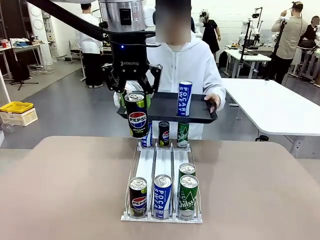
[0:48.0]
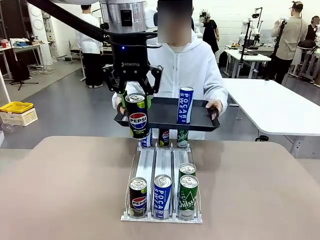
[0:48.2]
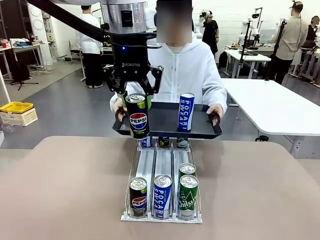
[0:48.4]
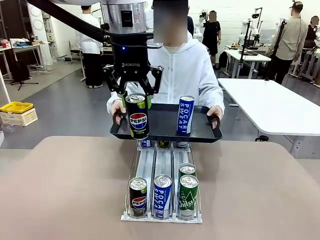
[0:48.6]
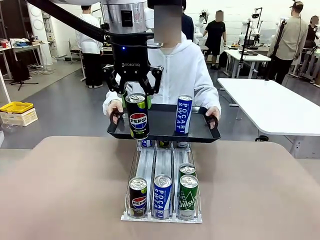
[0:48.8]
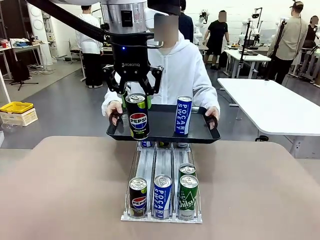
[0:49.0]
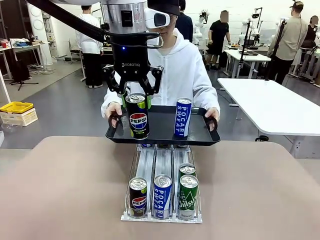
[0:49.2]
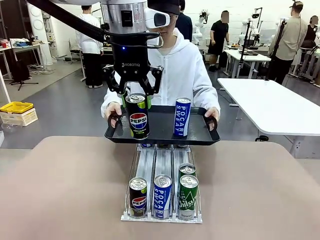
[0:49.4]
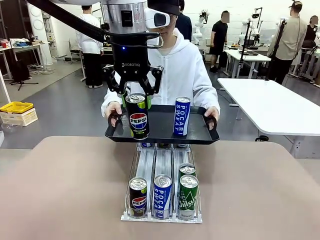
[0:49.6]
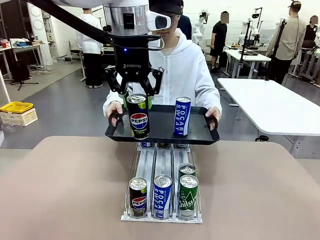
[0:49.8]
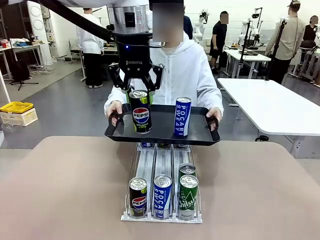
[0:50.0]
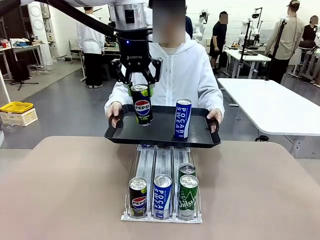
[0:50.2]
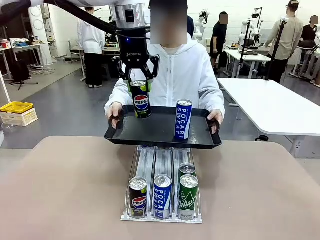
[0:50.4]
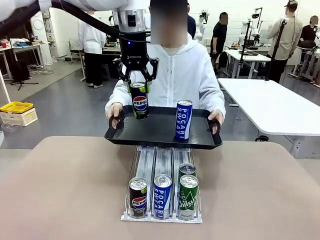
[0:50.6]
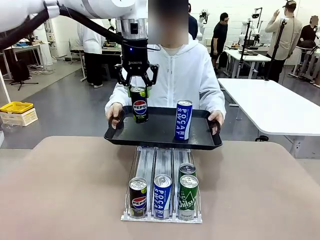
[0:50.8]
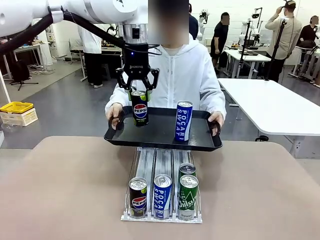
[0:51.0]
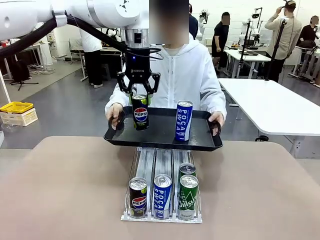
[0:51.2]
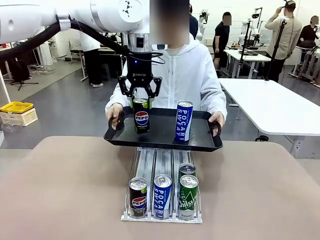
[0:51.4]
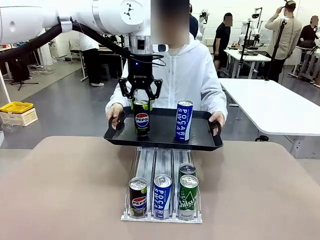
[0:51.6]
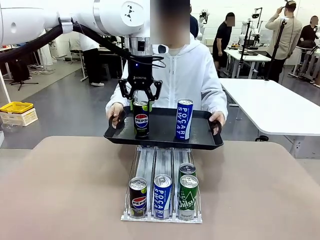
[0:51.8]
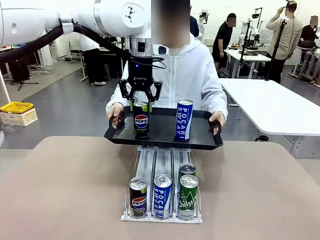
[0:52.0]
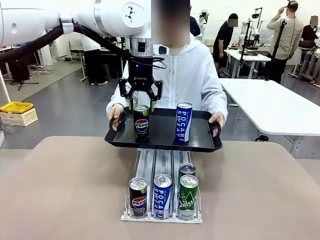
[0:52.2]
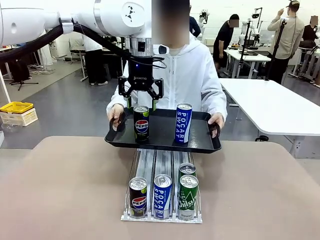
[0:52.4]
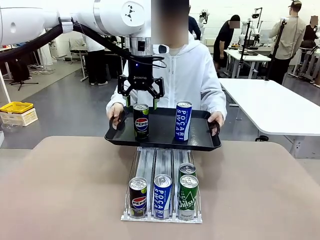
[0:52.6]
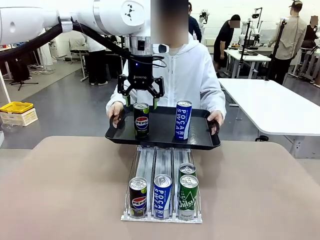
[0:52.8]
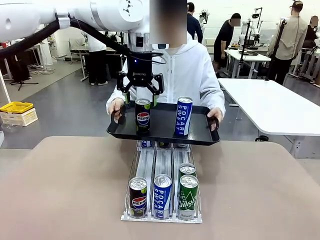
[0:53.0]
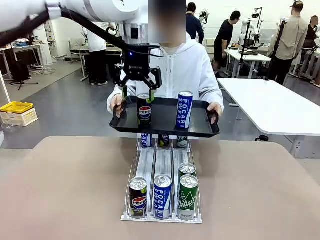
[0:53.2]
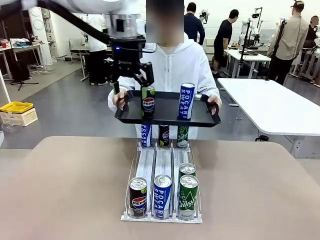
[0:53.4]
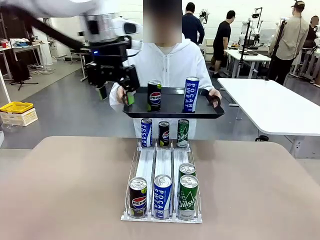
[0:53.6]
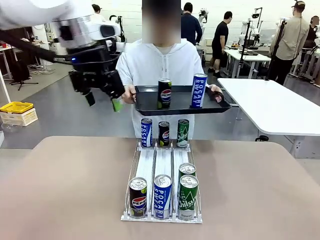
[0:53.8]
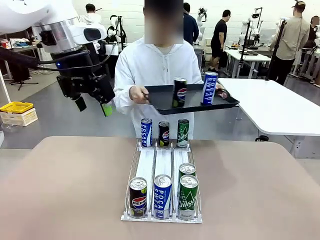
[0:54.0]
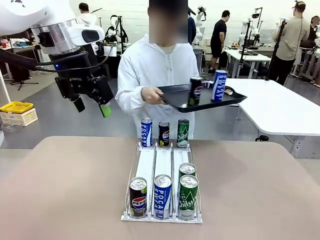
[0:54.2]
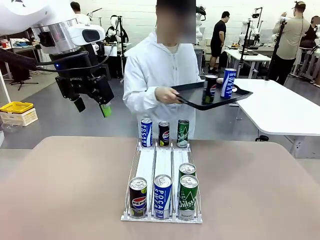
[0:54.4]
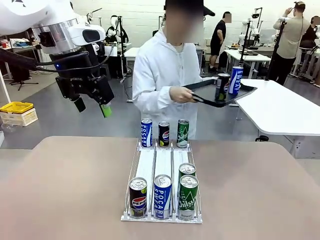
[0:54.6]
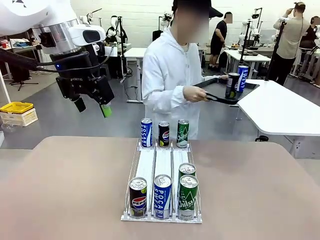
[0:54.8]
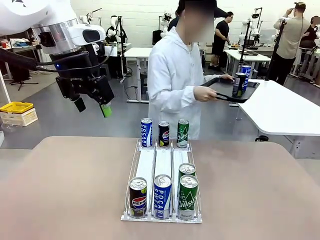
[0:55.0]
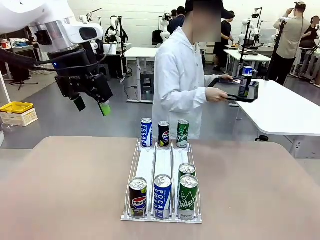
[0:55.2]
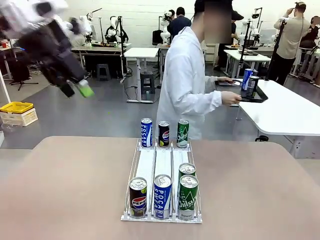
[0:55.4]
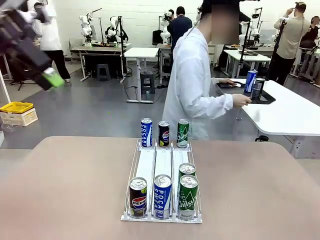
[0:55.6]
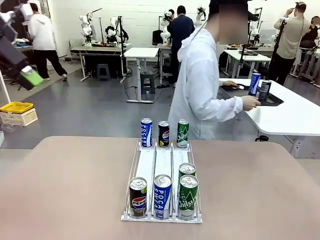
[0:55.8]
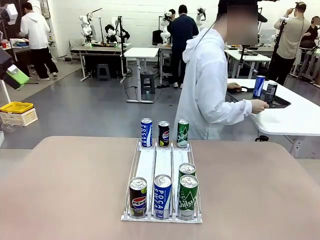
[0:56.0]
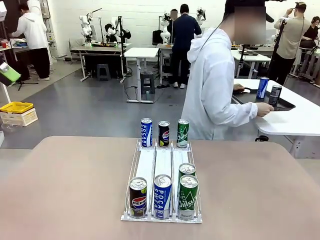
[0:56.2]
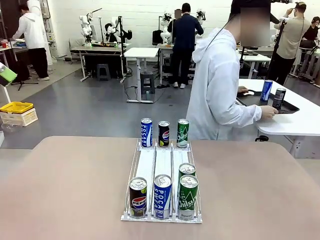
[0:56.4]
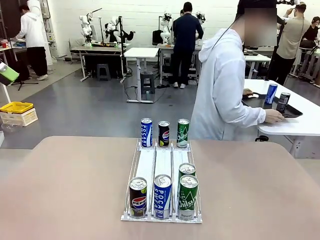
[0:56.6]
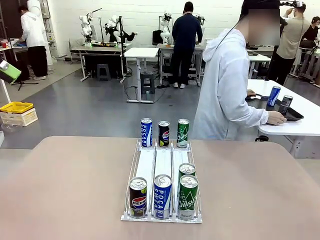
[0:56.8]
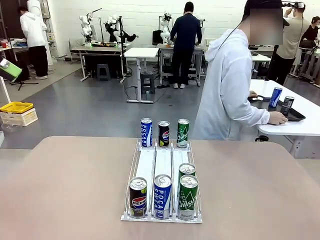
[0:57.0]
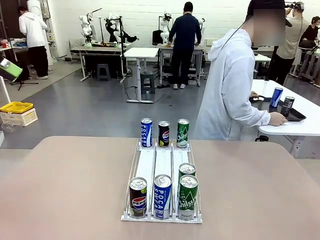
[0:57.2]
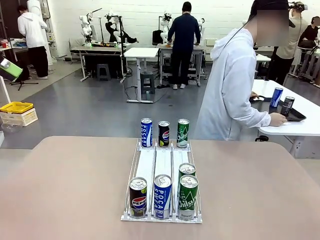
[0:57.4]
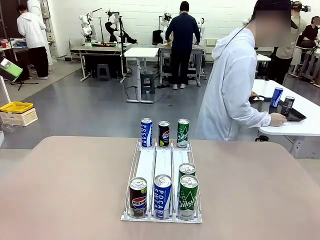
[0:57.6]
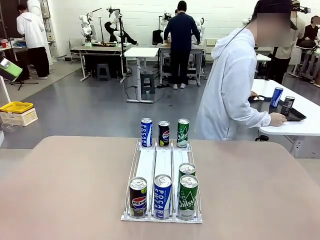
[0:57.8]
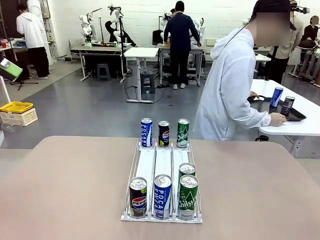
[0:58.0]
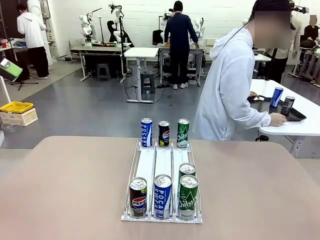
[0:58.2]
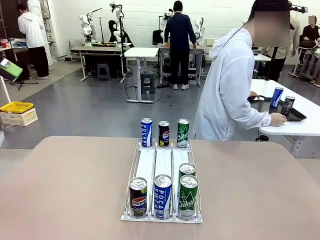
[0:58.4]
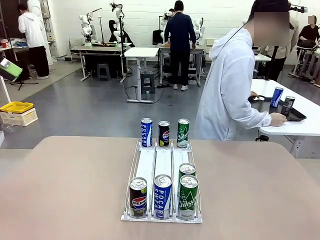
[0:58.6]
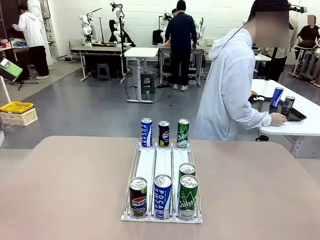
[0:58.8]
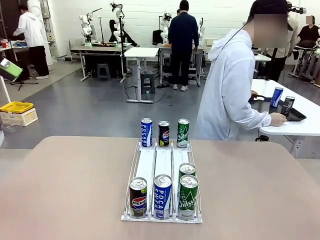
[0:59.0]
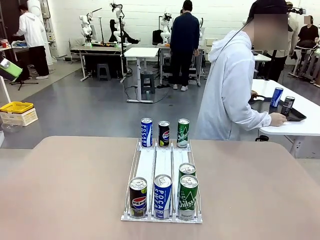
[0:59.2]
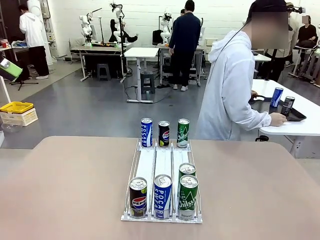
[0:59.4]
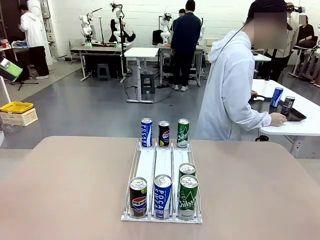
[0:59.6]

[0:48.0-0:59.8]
Task: Retrieve and hand over the desired beverage to the person.
Robot: Place the picked can on the Handle tray extended by the person.
Person: Pull the tray back and place it at the center of the human table.

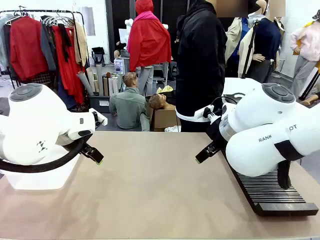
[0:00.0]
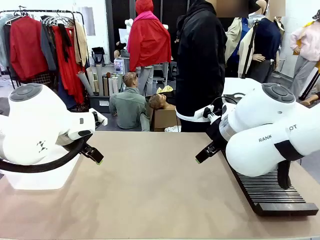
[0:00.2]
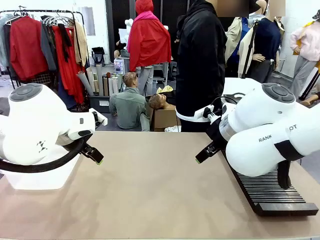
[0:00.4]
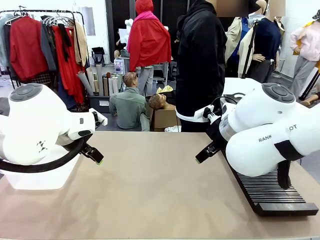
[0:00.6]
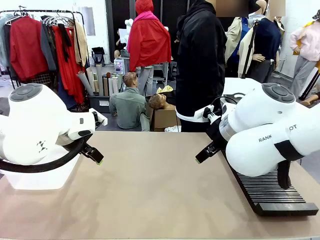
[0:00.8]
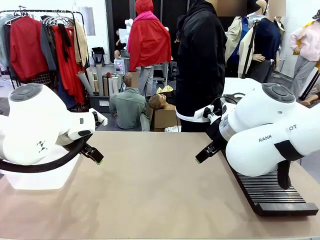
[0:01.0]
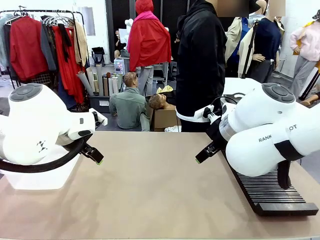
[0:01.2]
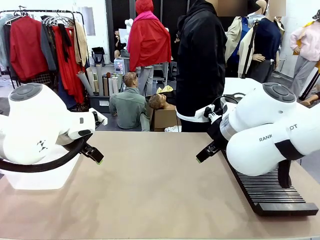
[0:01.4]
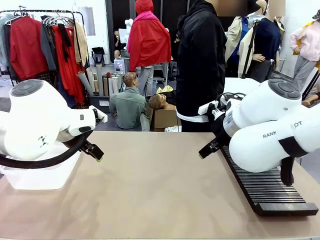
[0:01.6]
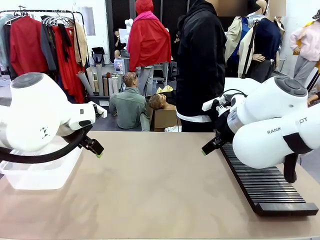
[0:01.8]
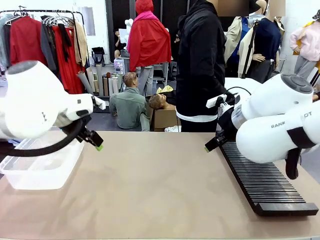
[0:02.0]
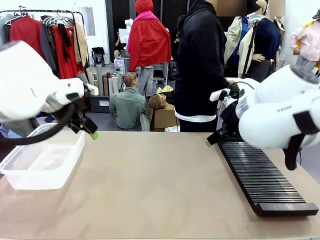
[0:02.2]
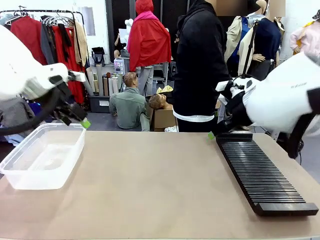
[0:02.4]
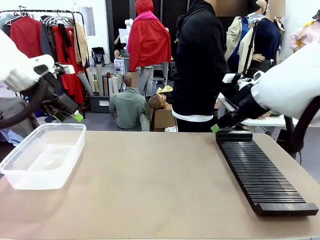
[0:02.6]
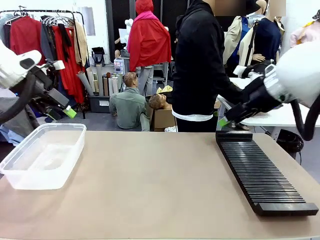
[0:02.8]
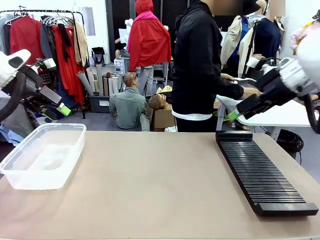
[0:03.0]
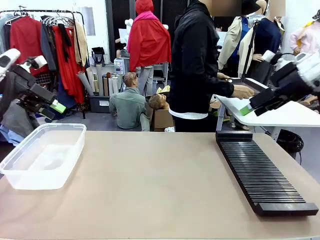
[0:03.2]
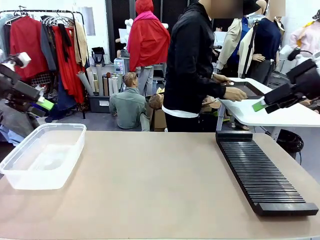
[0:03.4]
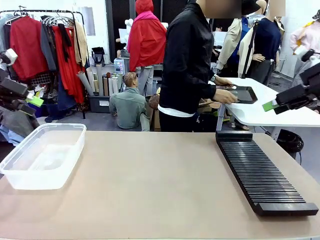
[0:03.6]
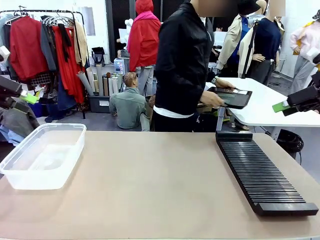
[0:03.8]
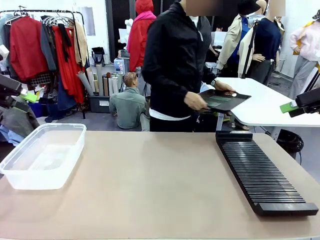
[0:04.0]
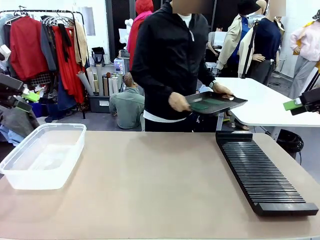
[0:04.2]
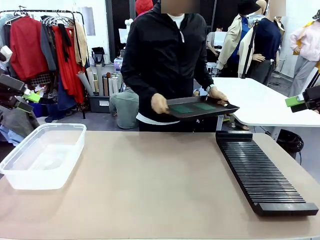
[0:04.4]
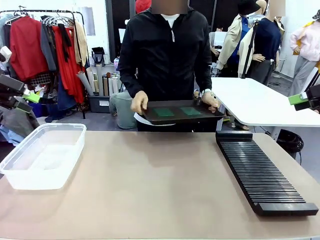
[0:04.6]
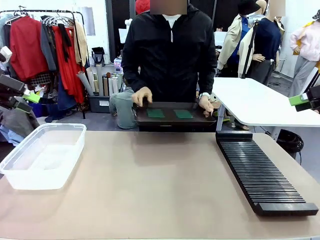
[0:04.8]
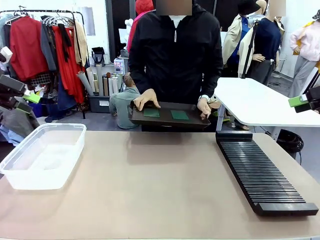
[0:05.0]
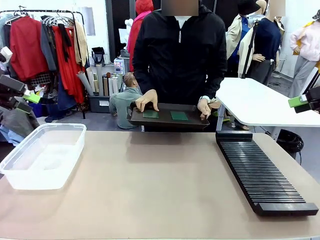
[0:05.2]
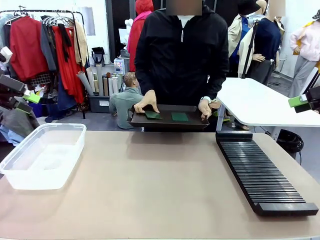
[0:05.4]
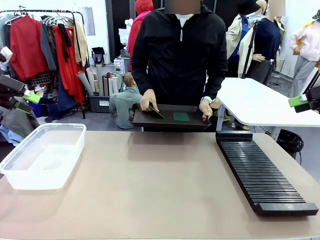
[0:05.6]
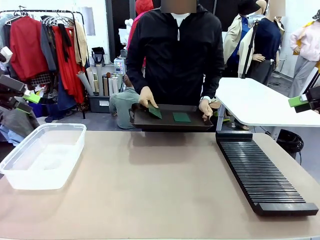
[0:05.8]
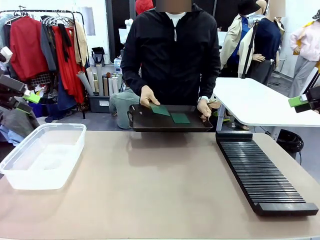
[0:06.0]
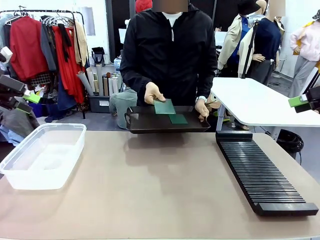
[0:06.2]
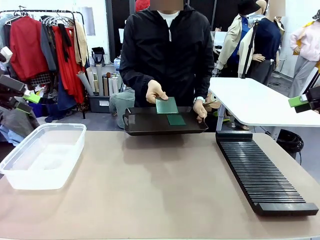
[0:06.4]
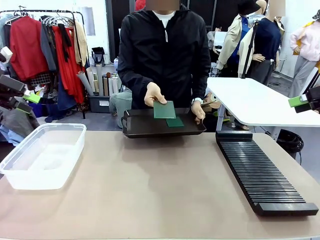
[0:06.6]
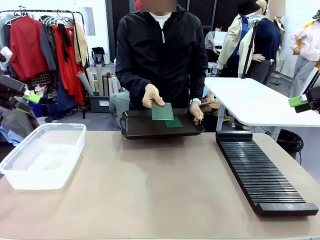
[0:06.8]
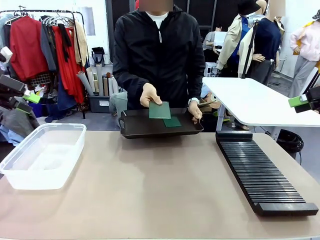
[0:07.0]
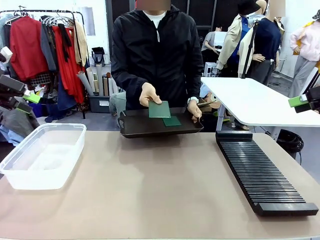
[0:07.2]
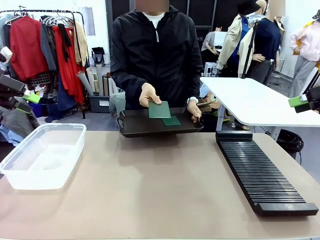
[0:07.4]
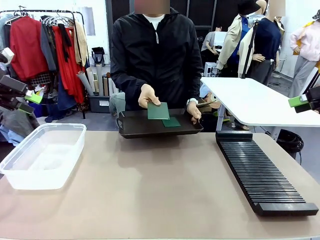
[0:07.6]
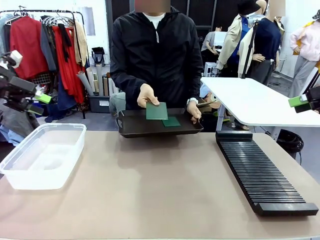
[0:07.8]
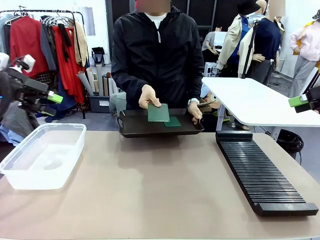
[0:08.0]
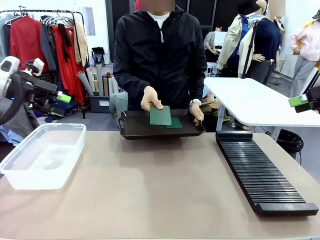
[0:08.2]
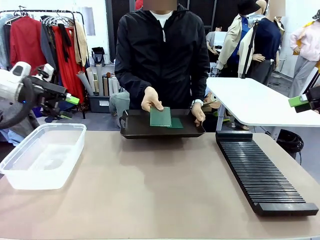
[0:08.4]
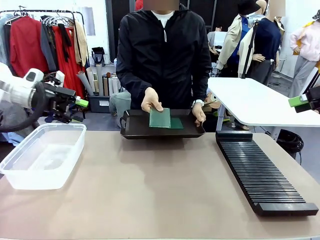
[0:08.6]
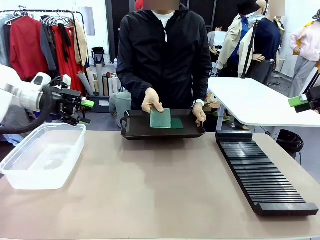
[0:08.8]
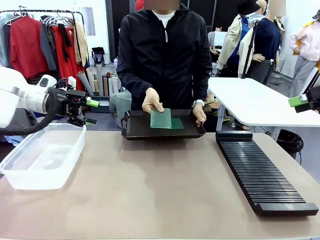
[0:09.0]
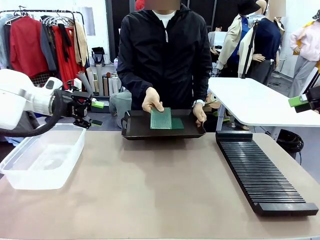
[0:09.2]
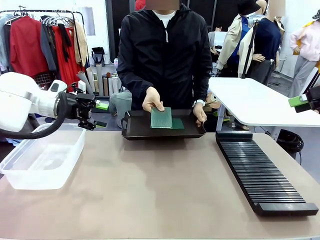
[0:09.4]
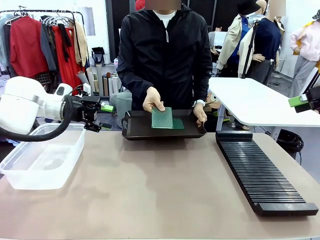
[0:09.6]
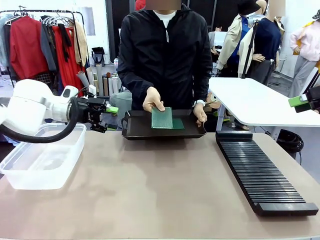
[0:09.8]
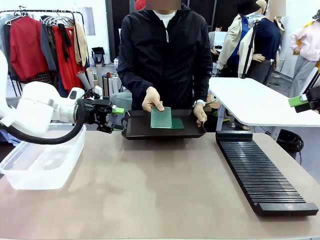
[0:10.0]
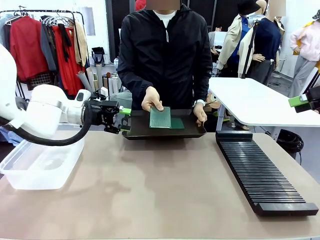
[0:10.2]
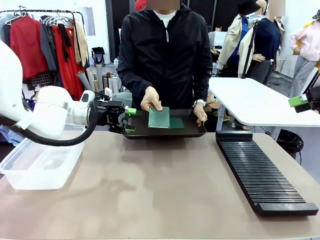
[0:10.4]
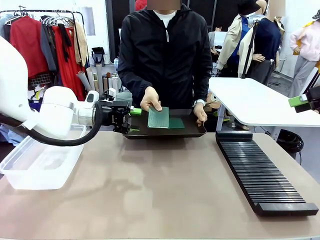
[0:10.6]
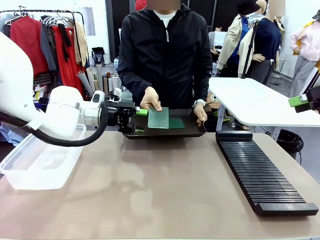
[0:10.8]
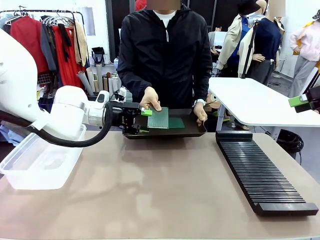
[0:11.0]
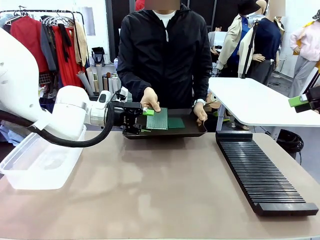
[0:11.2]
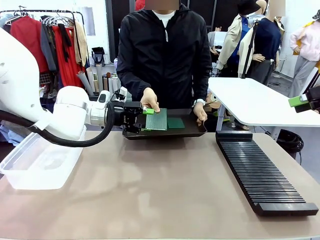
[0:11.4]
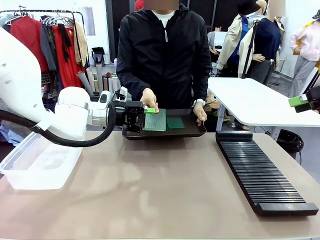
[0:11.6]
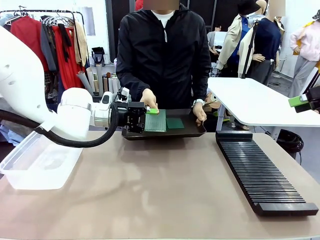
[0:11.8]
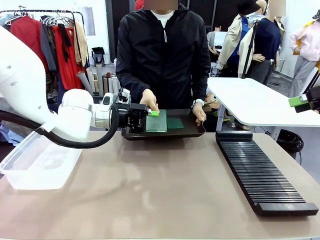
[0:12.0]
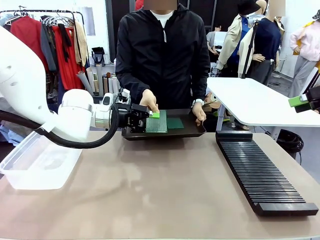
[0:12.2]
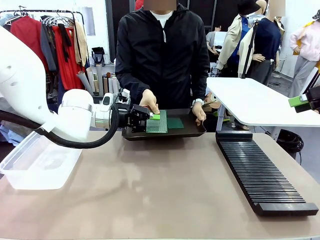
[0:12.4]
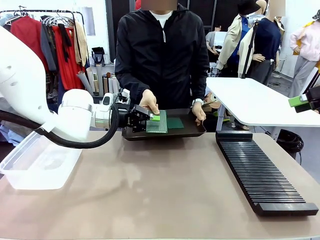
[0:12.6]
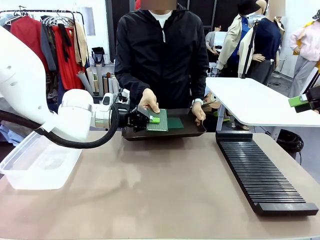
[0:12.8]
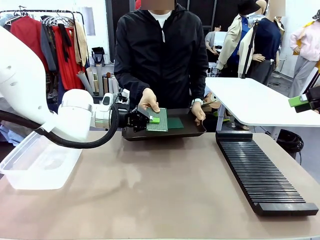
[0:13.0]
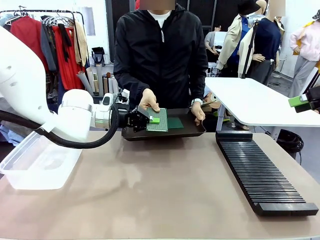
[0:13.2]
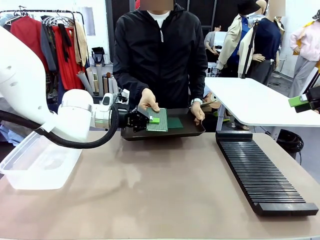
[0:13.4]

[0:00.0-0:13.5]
Task: Sort PCBs into racks and boxes based on the side picked up.
Robot: Pick up the Blank PCB handed by the Human.
Person: Pick one PCB from the tray and present it to the robot. Release the PCB being held.
